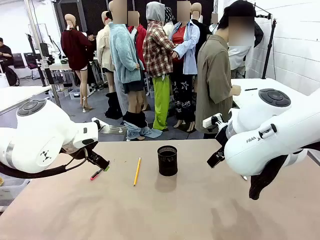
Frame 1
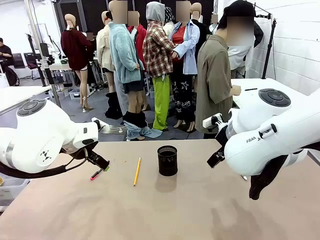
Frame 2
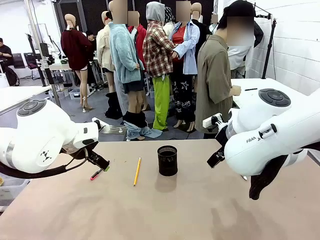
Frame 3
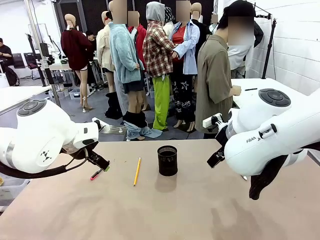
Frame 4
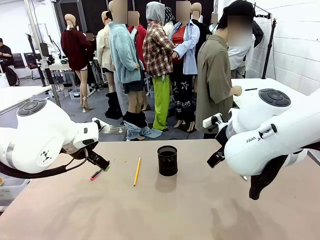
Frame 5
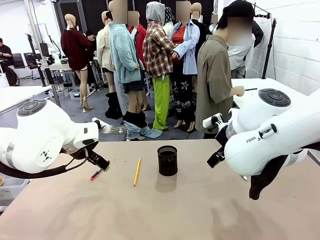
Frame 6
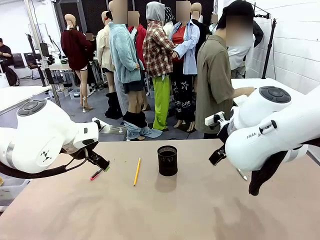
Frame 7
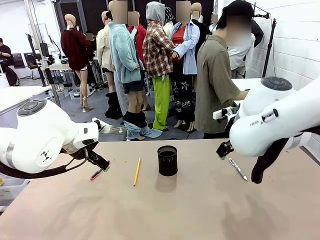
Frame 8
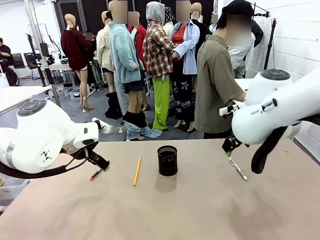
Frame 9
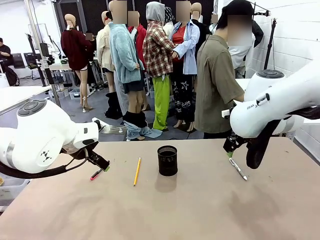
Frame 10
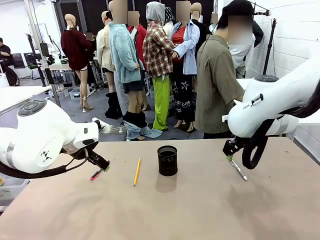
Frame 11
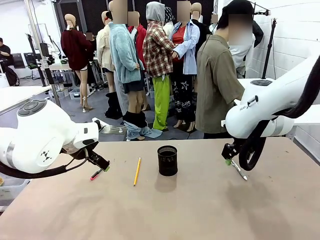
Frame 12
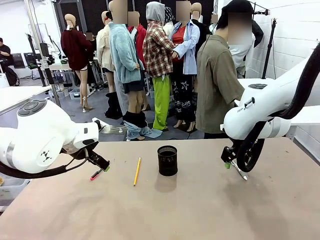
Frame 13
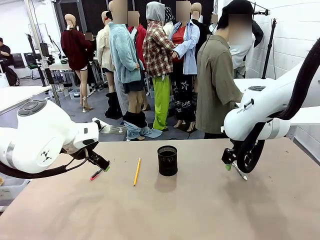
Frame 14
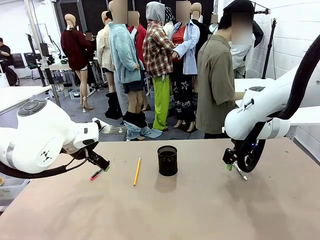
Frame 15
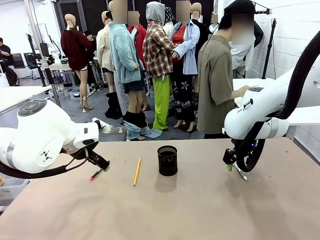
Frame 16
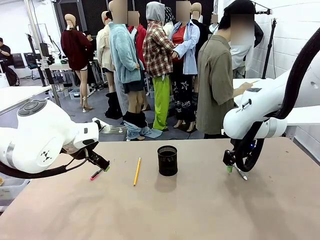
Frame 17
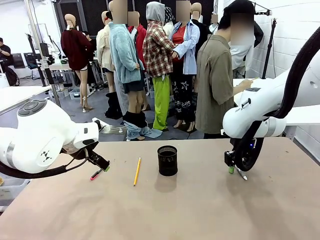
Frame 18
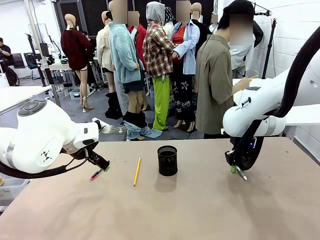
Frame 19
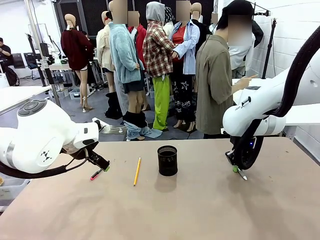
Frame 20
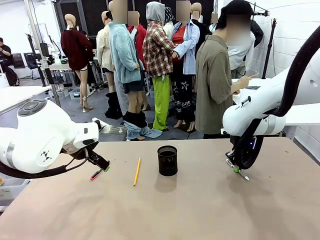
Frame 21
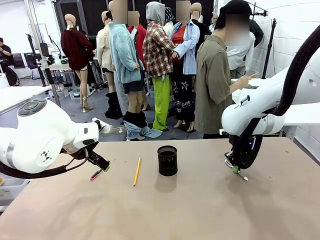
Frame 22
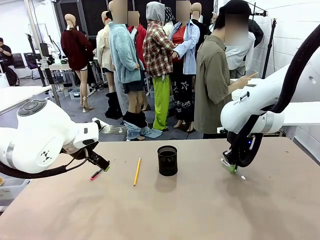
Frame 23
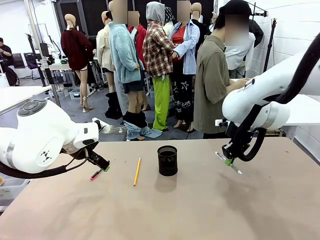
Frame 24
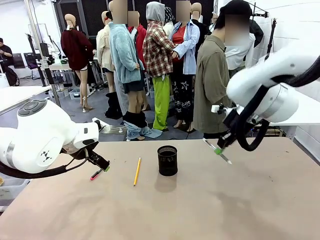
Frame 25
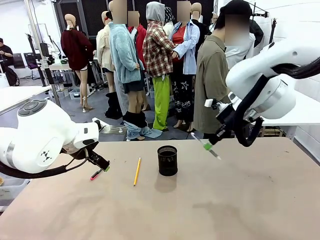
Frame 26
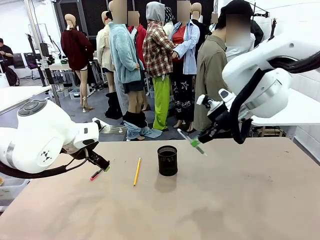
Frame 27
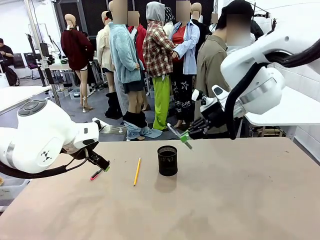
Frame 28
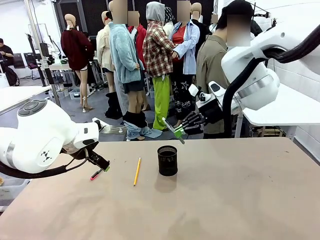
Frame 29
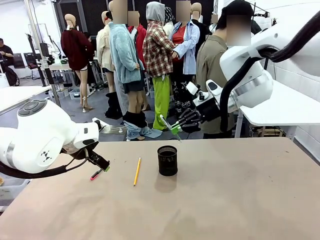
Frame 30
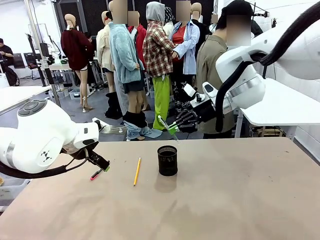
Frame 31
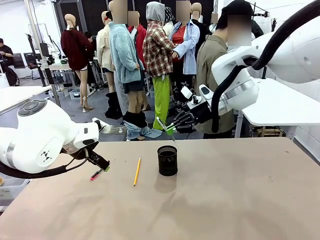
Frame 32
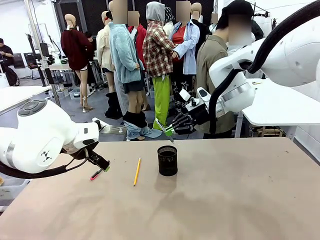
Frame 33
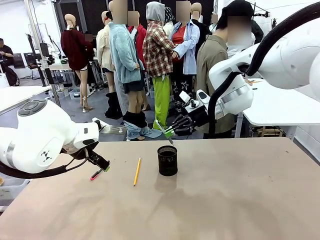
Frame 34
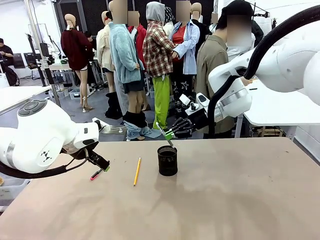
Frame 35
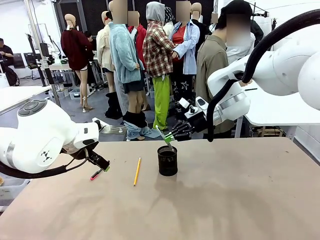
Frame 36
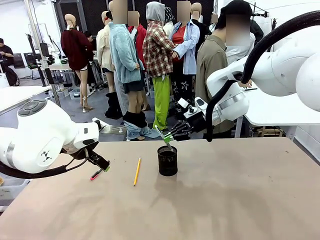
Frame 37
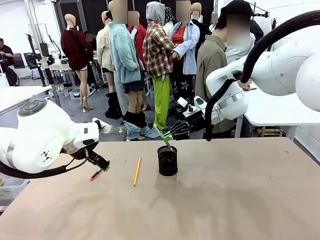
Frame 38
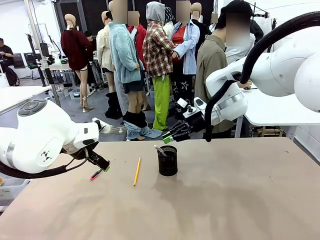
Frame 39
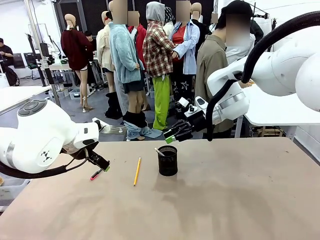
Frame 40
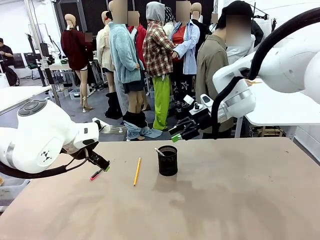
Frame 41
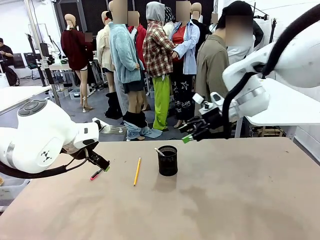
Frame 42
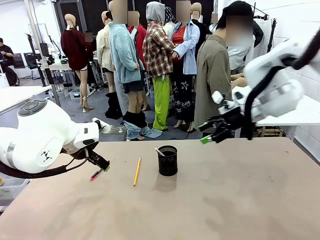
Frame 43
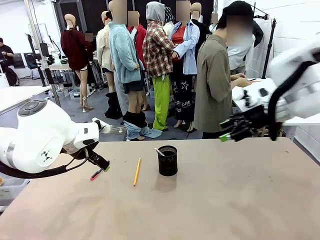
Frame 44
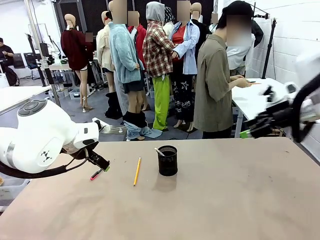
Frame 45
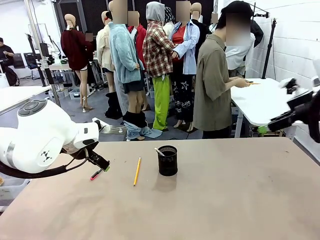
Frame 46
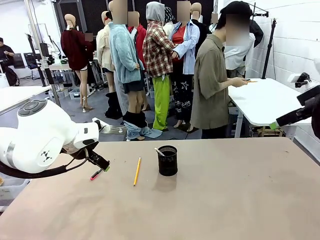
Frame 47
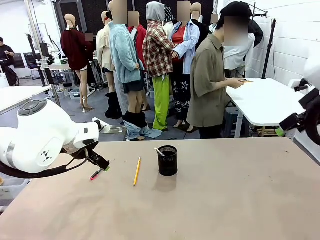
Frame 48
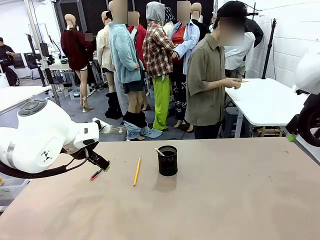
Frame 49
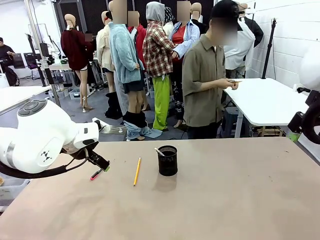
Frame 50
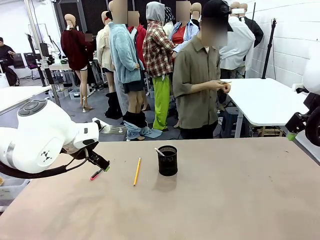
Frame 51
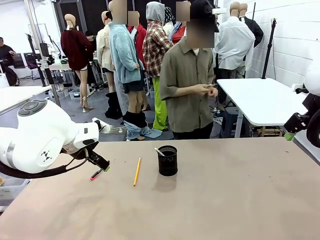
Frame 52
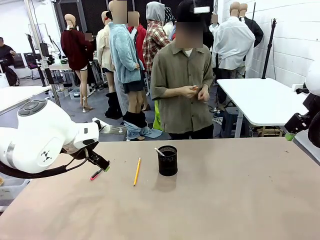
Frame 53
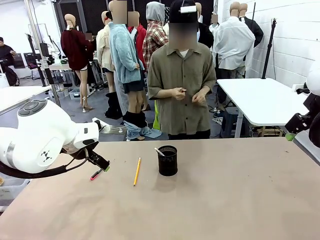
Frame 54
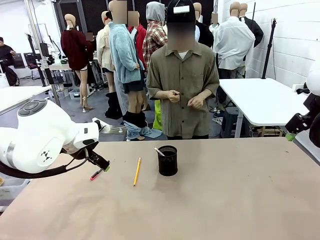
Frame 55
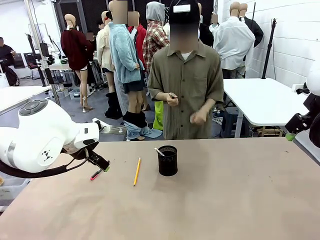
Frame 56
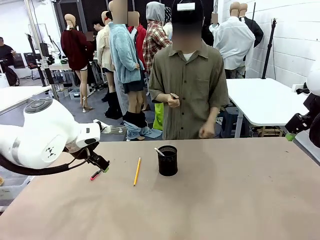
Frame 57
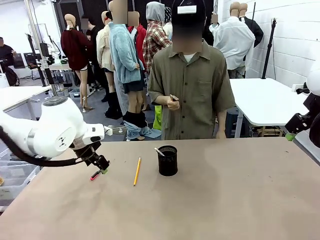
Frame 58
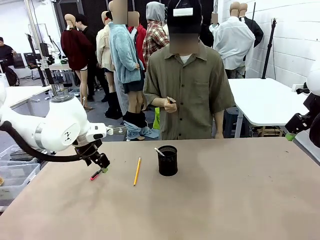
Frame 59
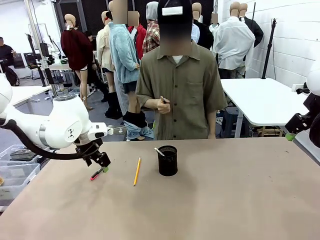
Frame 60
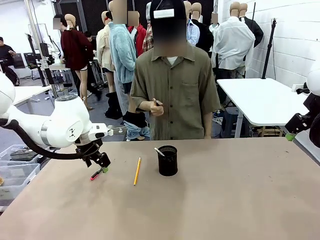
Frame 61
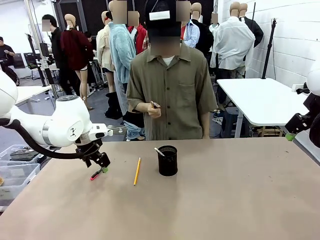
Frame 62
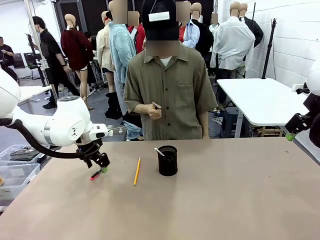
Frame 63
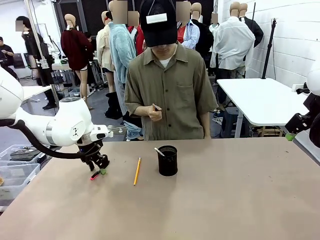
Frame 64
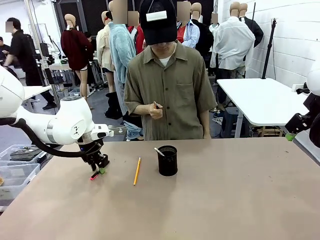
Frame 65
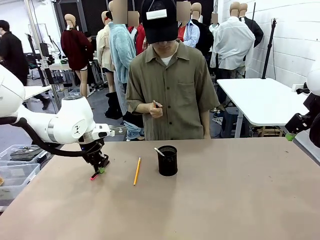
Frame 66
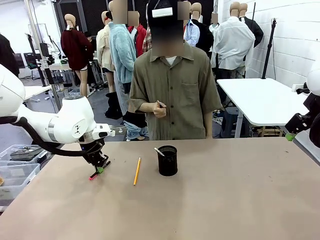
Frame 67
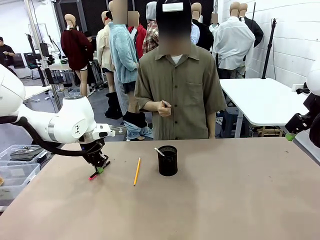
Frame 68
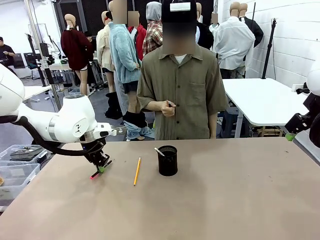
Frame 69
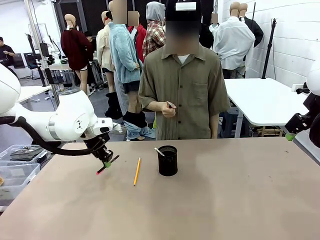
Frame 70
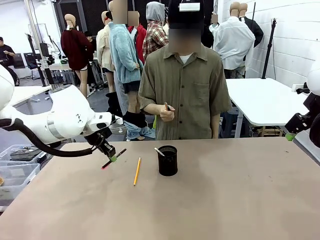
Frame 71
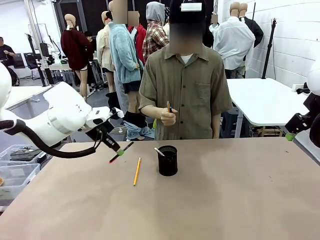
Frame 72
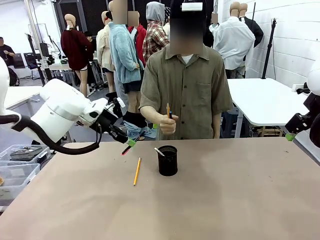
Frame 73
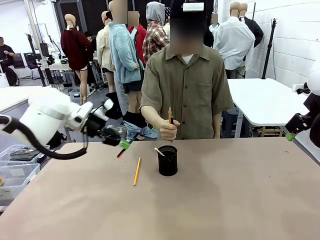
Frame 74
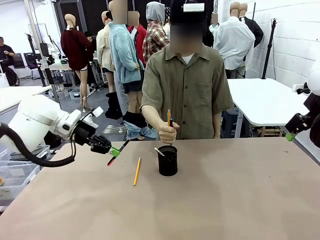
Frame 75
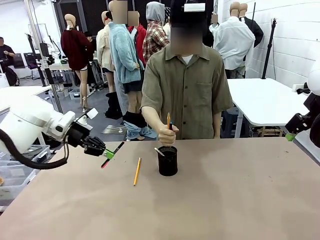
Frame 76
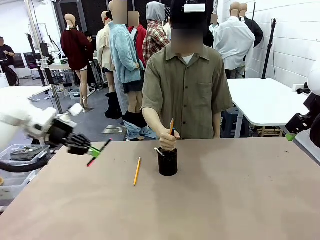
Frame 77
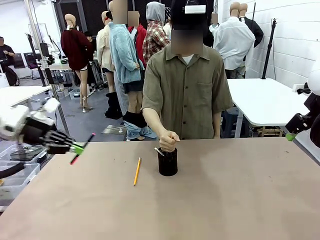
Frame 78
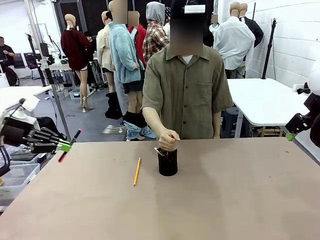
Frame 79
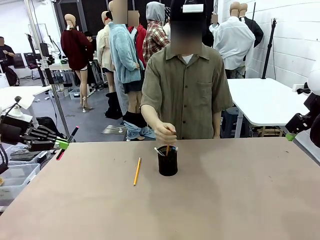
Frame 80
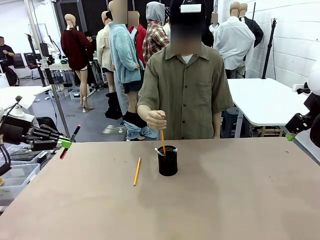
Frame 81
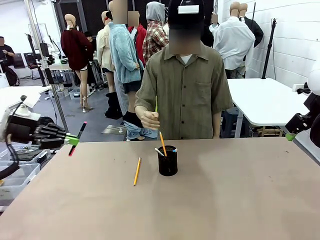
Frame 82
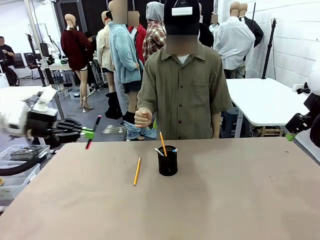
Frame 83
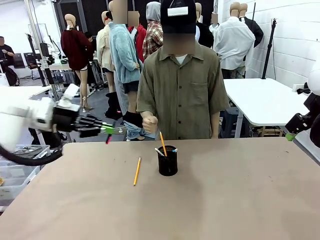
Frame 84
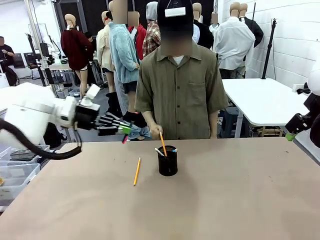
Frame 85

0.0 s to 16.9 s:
Task: Place the pens into the pen holder.
Robot: Pick up a writing instrument from the table and place it into the Pen holder.
Person: Pick up all writing instruments from the Human table.

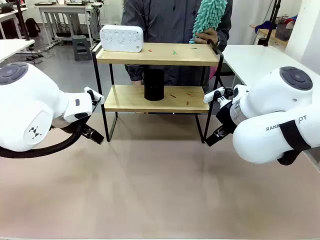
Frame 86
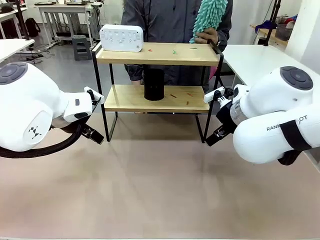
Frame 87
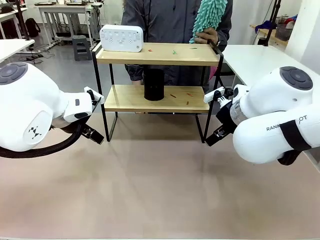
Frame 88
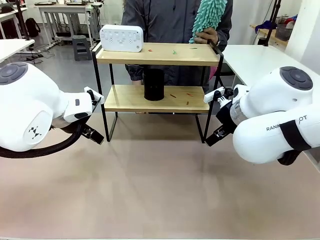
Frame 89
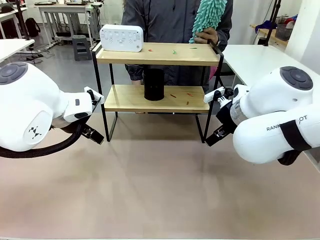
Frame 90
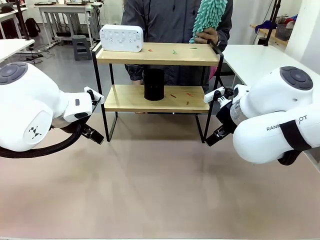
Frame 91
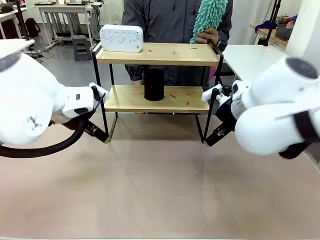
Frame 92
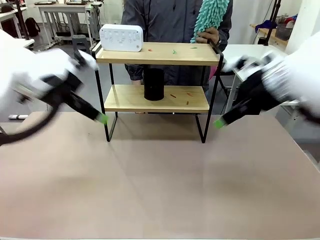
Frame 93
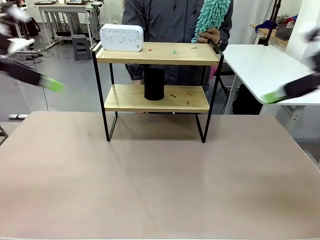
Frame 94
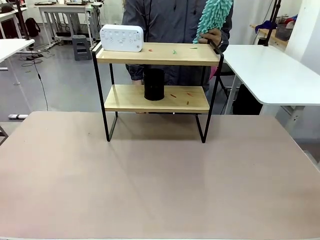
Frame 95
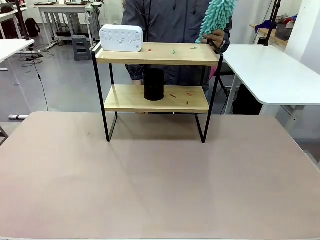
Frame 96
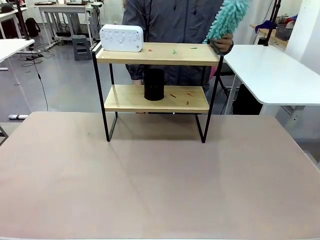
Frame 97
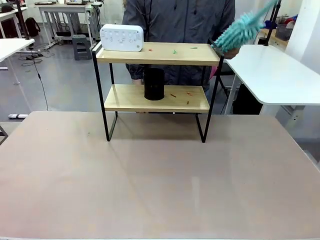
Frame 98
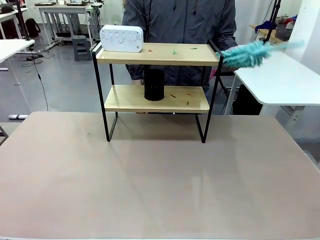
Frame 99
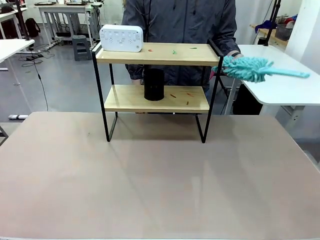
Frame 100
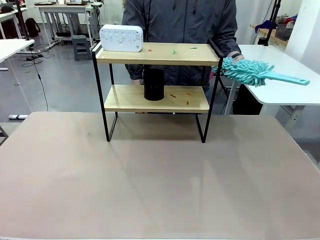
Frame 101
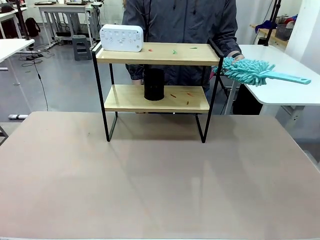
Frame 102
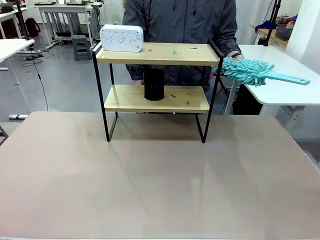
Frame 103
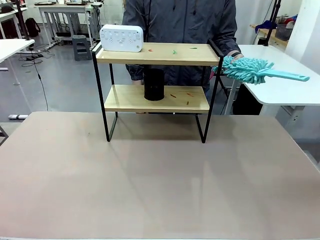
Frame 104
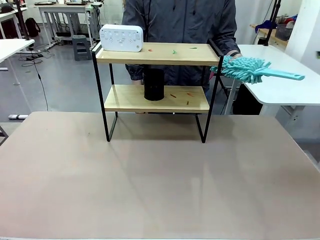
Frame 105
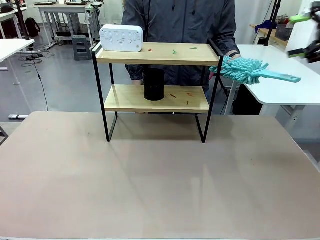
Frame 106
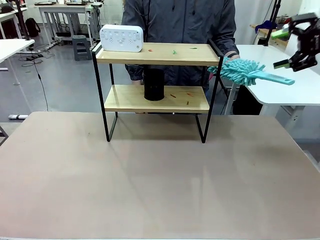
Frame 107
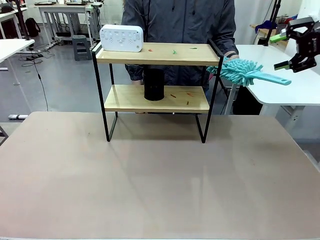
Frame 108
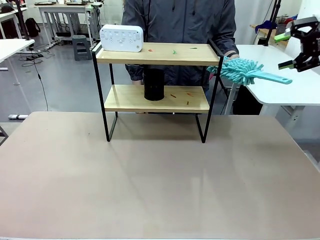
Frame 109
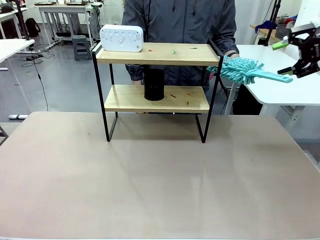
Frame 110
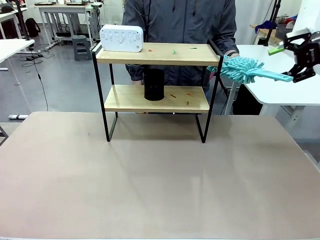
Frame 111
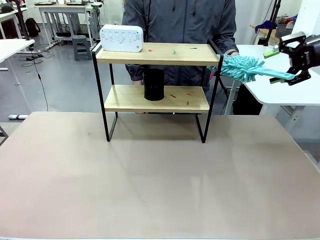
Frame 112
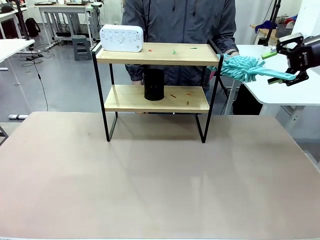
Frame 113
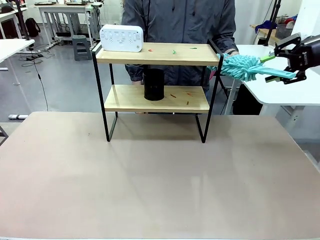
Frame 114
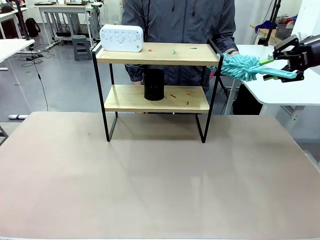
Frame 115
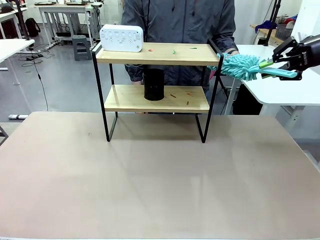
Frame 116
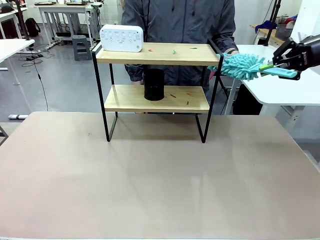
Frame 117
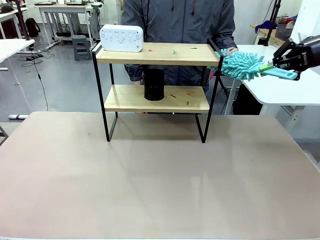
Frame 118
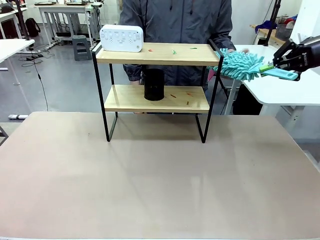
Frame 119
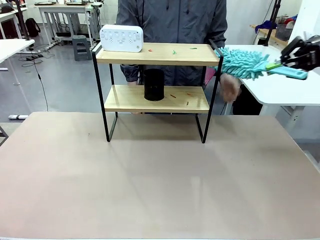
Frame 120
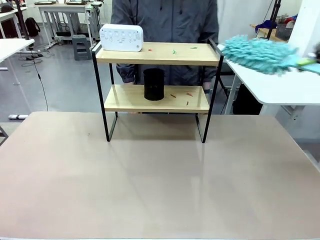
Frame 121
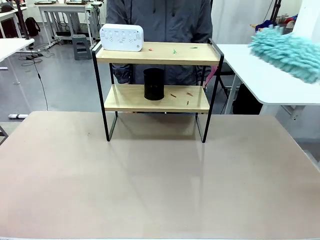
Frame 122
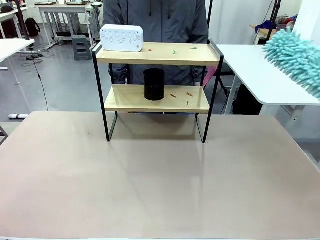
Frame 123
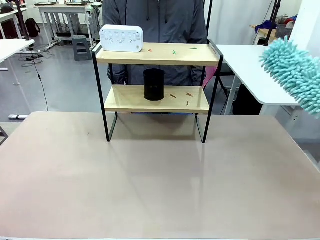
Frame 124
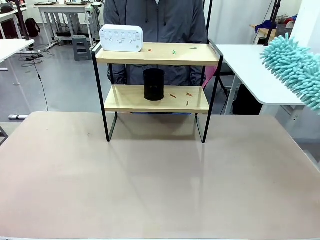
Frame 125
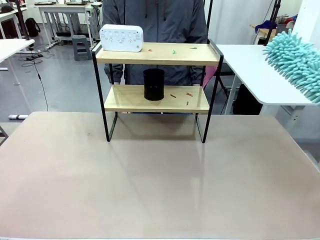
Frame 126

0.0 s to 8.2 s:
Task: Clean the shelf.
Robot: Pick up the Duster from the human.
Person: Hand the Duster to the robot.
